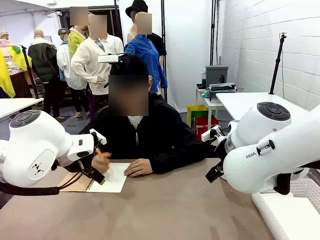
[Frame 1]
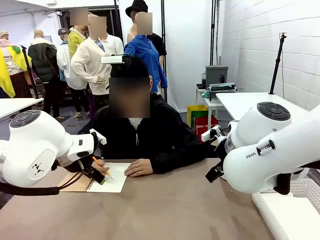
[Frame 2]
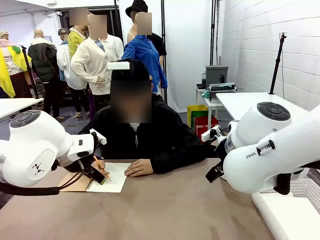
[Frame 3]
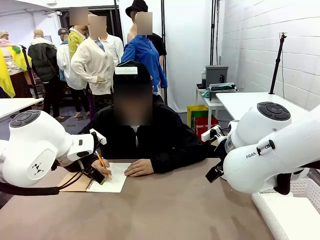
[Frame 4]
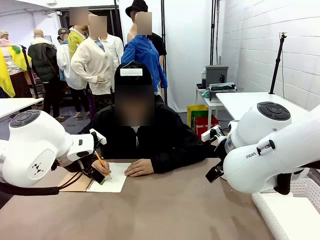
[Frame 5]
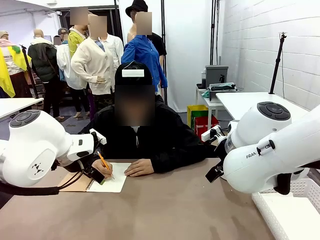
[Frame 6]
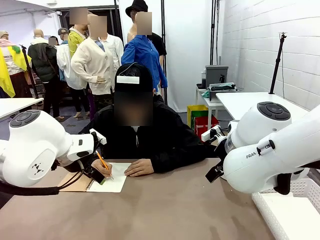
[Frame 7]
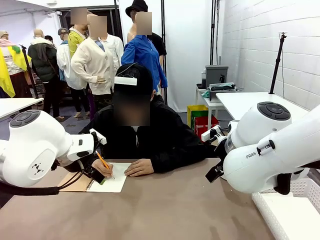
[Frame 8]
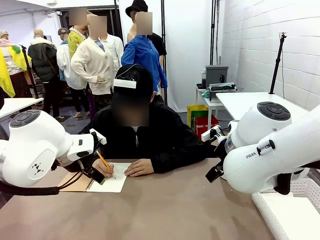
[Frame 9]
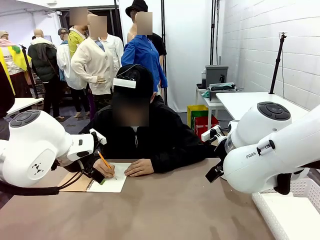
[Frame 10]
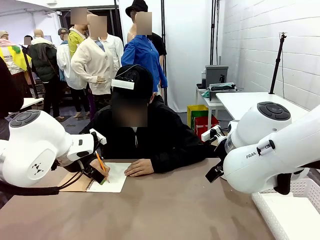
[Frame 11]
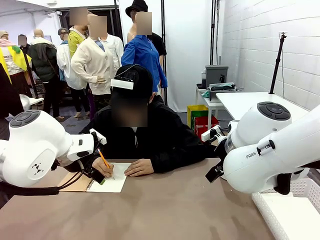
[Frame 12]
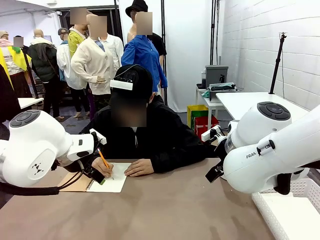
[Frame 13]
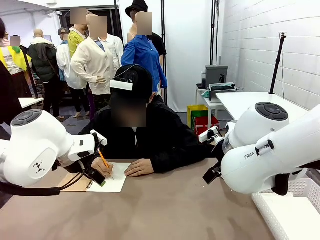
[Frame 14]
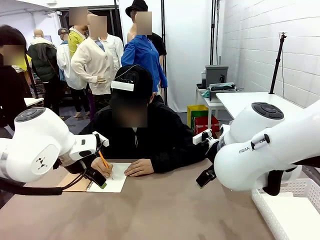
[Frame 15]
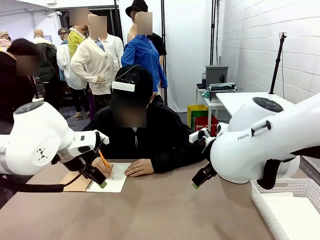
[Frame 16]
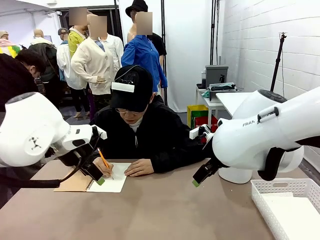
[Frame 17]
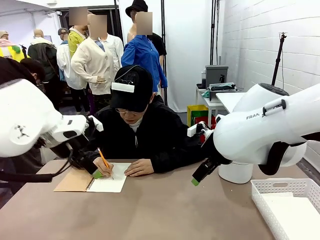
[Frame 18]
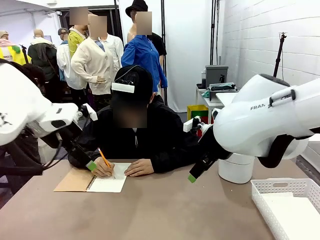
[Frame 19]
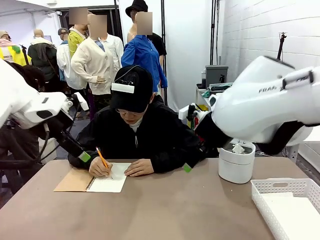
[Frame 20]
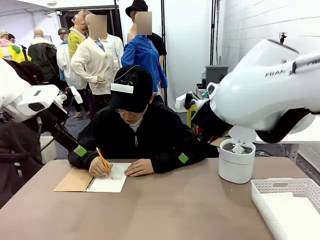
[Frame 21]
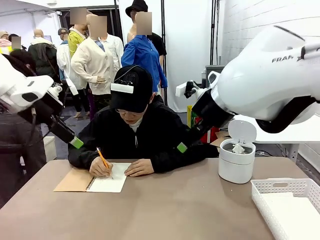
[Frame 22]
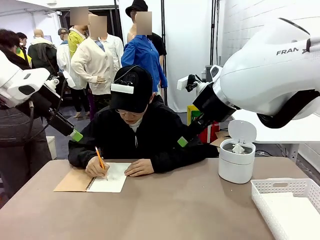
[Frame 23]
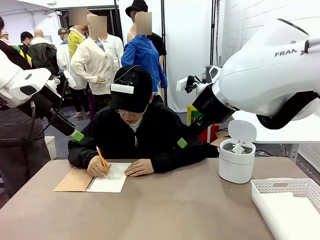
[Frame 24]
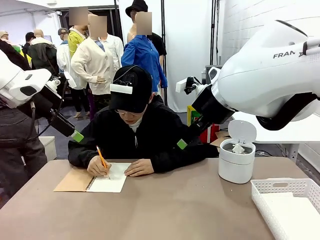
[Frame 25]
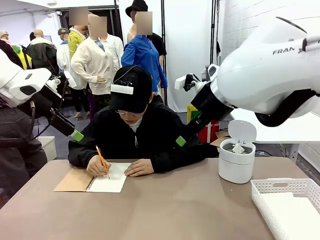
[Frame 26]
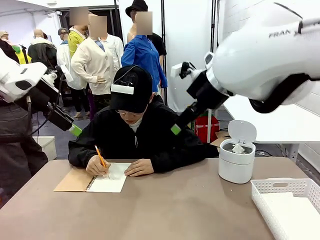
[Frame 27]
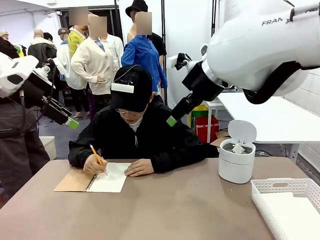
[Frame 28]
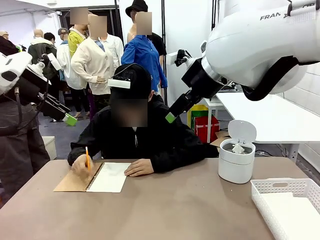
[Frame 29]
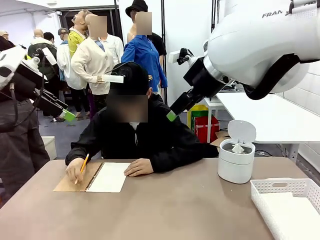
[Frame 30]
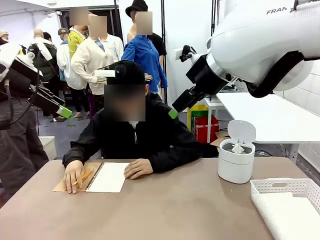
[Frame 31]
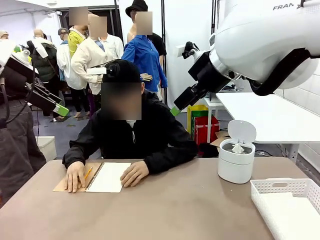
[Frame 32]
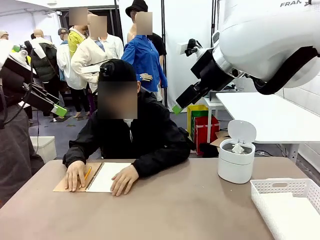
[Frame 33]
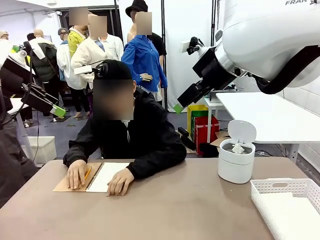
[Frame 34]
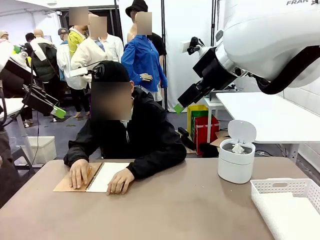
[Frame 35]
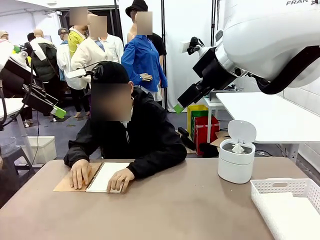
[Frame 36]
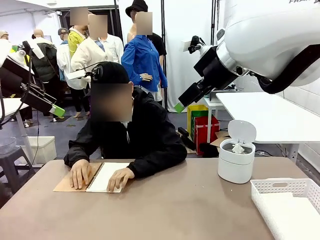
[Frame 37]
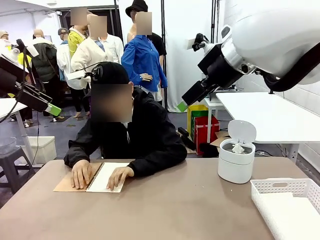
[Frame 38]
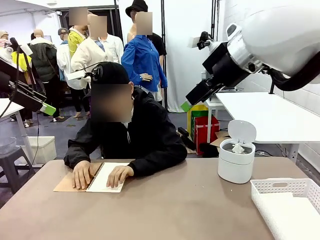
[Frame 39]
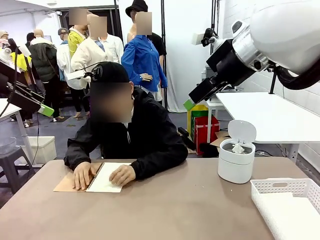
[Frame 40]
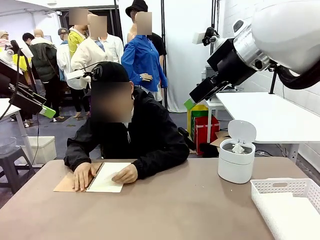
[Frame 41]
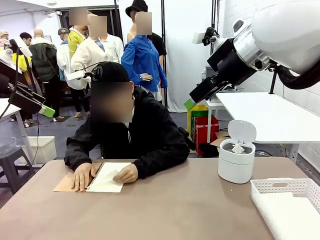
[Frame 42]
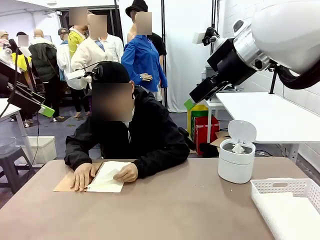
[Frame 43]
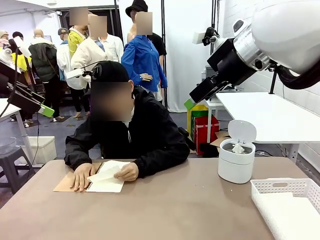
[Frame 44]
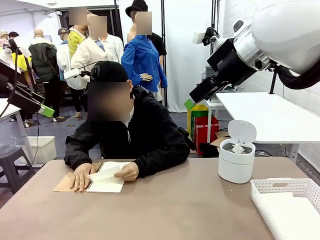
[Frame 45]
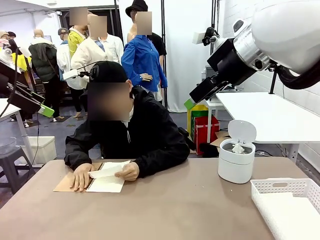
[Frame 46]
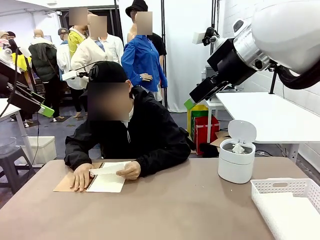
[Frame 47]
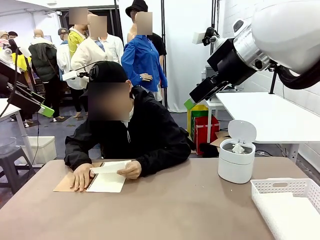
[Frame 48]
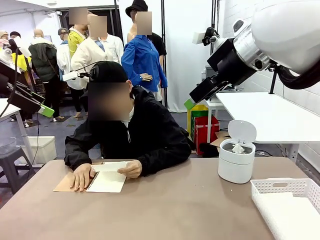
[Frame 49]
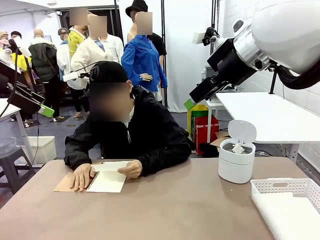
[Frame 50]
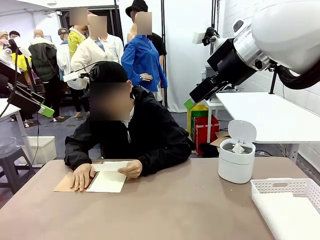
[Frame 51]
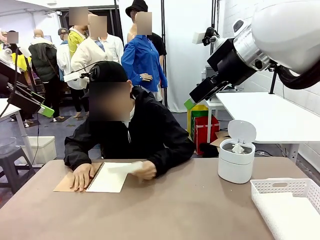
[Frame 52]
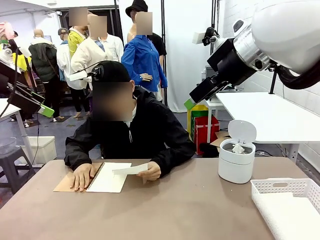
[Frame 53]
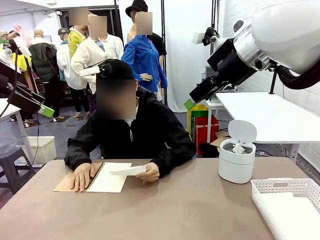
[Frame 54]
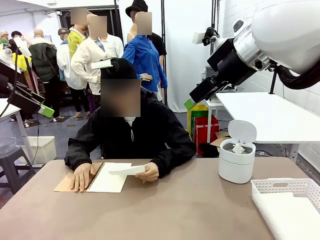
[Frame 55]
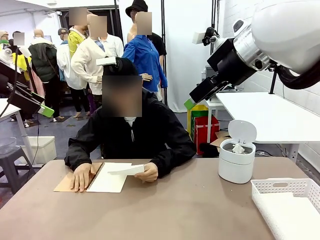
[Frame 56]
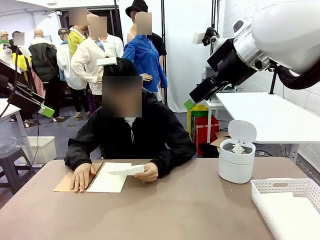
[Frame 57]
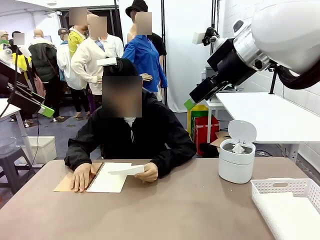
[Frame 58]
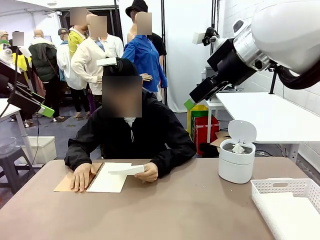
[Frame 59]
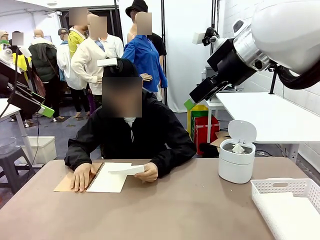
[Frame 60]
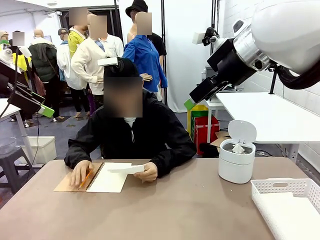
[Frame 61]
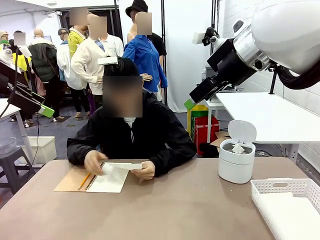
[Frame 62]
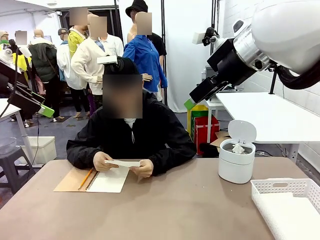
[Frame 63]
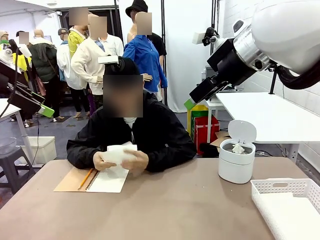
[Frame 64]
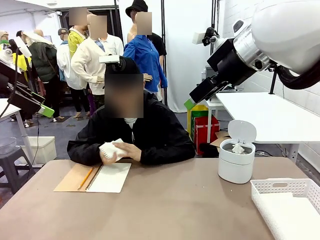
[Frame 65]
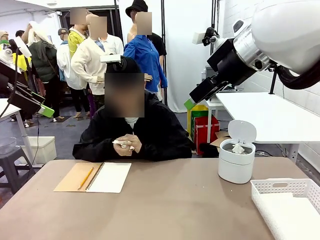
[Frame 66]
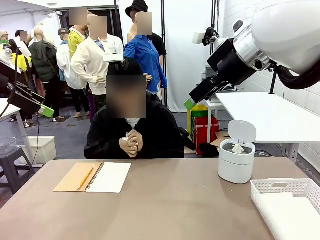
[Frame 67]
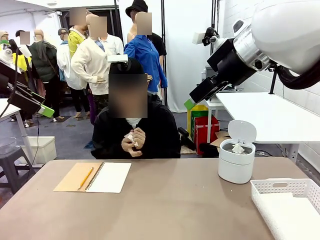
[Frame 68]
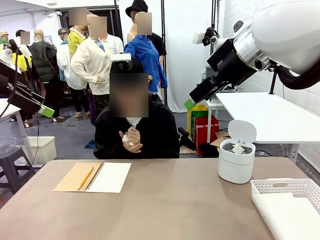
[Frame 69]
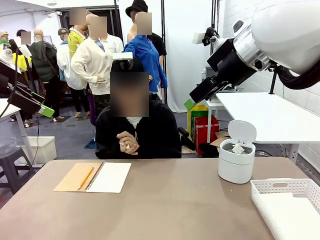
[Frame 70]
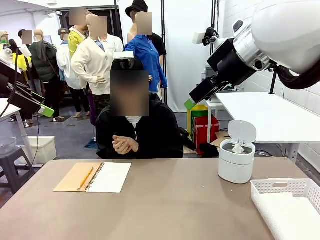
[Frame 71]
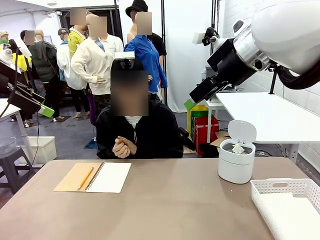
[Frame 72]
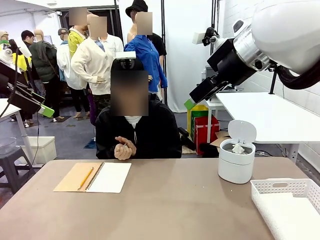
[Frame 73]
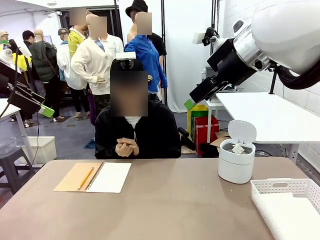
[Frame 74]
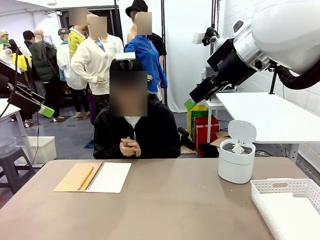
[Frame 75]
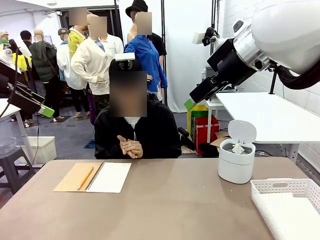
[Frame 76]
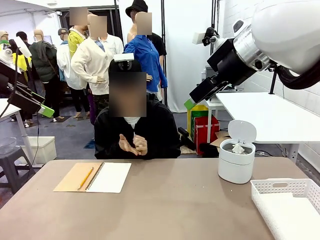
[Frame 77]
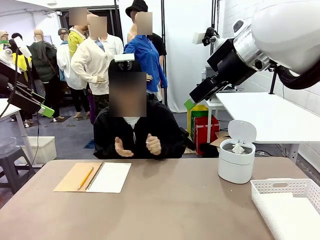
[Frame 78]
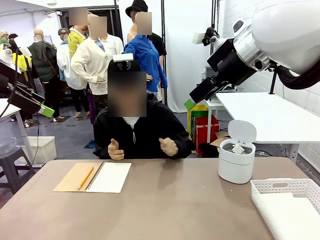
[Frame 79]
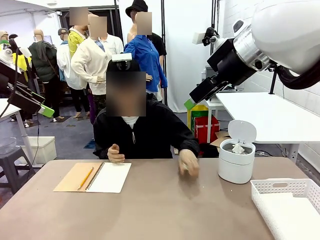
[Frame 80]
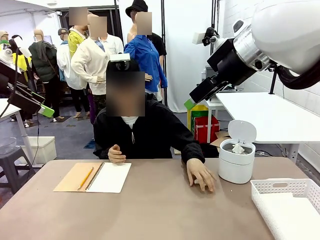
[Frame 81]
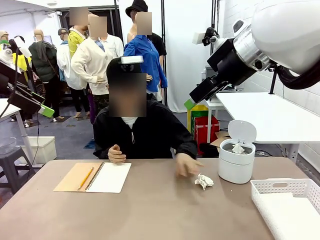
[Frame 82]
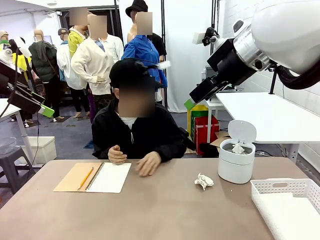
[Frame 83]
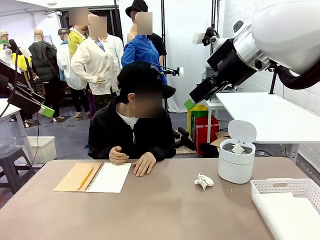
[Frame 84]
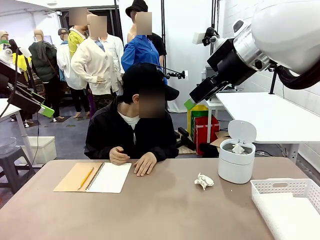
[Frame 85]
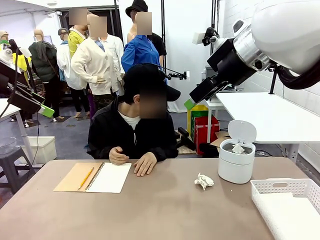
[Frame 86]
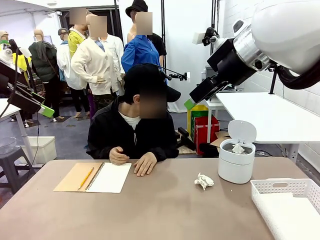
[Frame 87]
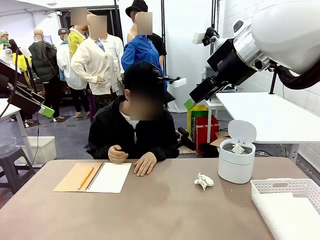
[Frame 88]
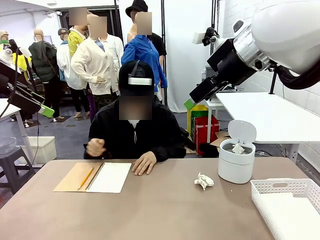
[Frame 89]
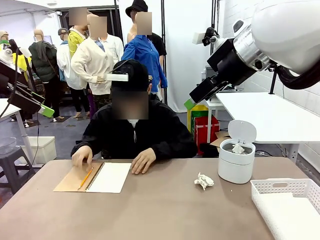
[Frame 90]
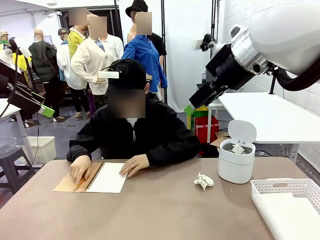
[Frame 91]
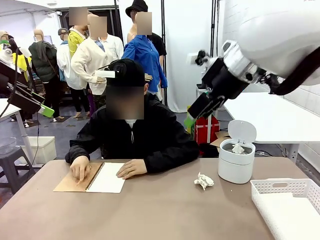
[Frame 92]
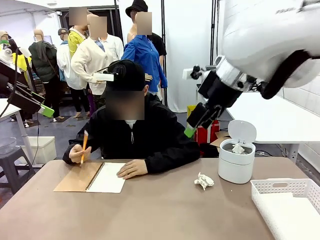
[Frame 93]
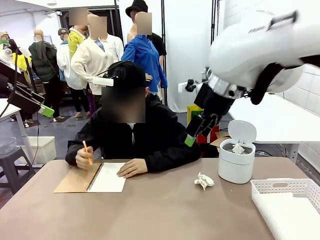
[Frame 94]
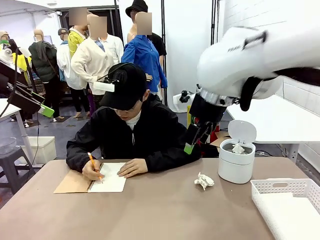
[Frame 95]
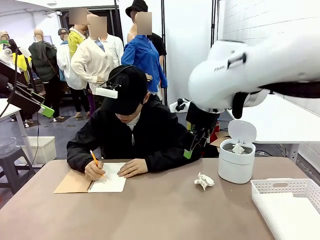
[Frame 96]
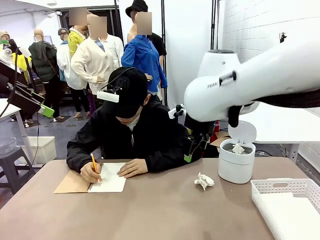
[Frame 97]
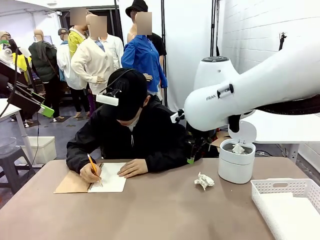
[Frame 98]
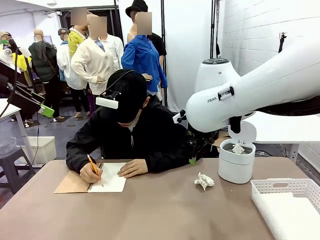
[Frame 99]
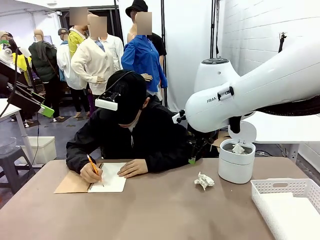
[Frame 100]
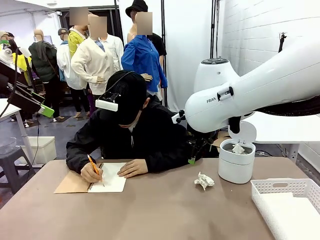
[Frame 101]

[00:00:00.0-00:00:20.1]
Task: Sort the paper based on its condition.
Robot: If a person hands you a paper, place it in the Organizing basket , and if it's crumpled, put it in the Trash can.
Person: Tear out a page from the spiral notebook. Hand the torn page to the robot or crumple it and throw it to the center of the table.
